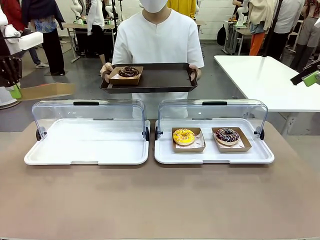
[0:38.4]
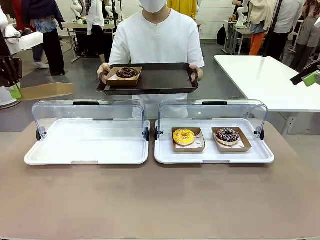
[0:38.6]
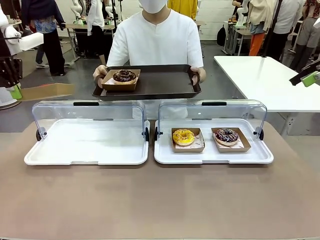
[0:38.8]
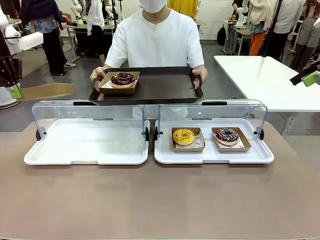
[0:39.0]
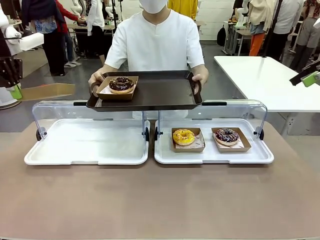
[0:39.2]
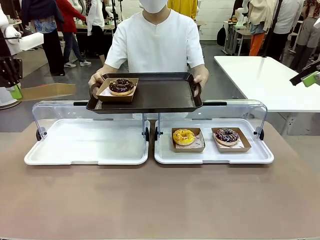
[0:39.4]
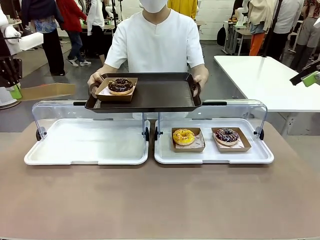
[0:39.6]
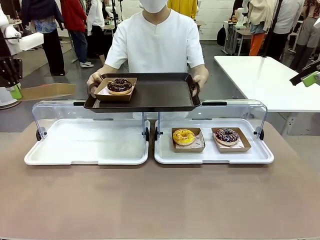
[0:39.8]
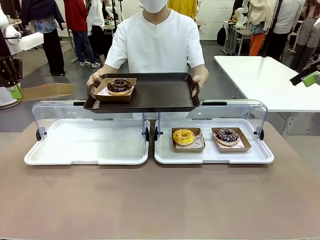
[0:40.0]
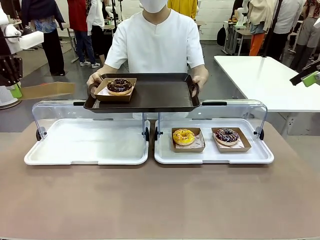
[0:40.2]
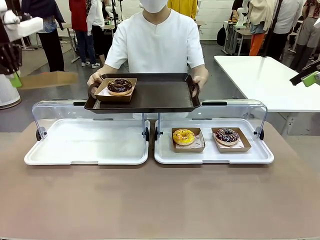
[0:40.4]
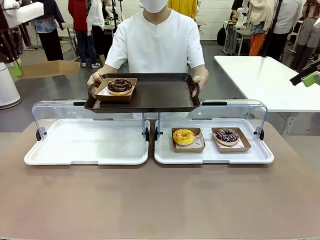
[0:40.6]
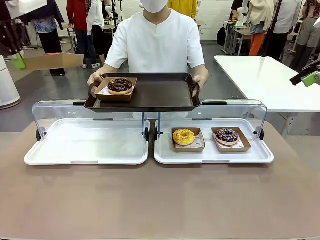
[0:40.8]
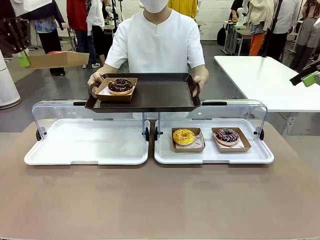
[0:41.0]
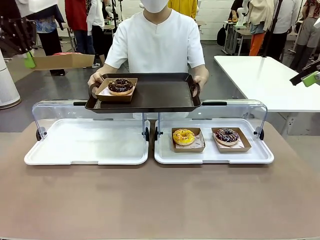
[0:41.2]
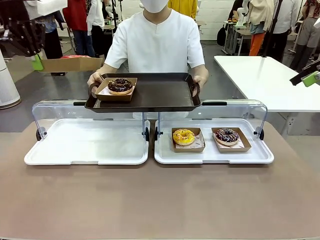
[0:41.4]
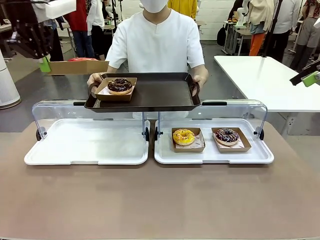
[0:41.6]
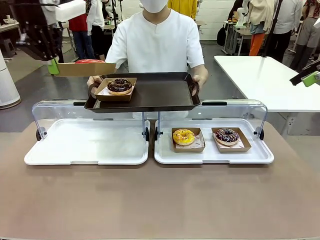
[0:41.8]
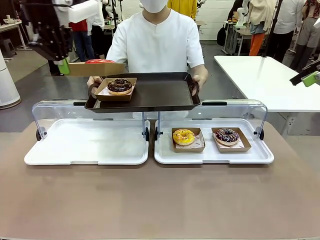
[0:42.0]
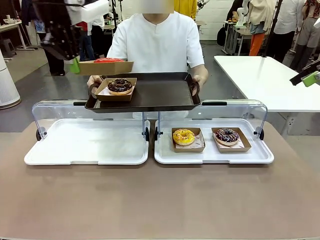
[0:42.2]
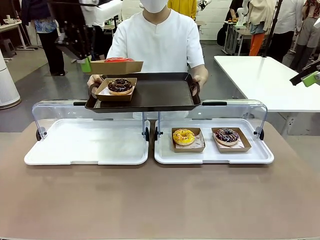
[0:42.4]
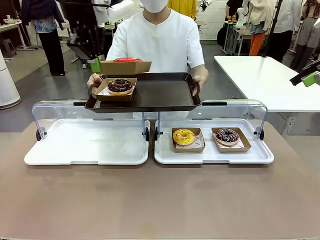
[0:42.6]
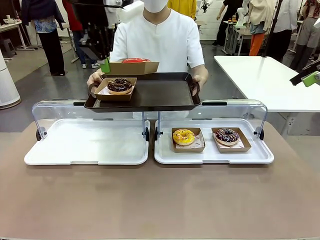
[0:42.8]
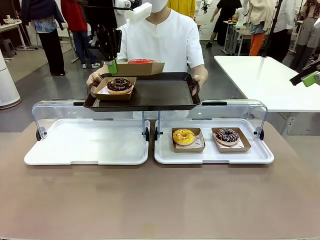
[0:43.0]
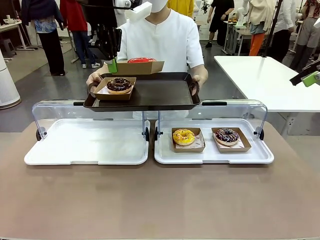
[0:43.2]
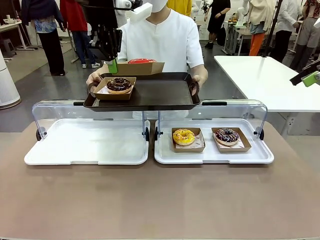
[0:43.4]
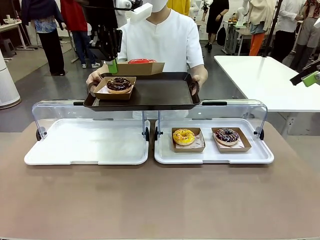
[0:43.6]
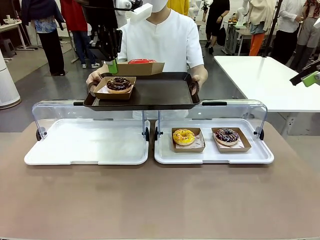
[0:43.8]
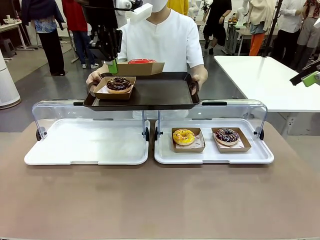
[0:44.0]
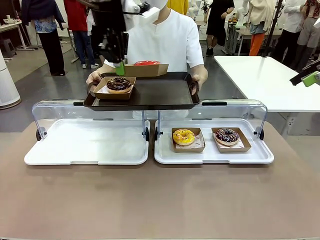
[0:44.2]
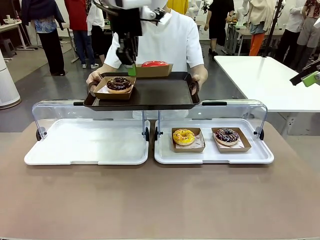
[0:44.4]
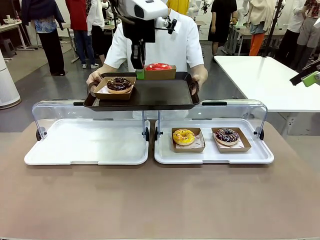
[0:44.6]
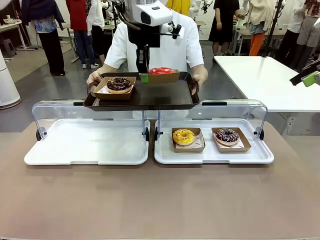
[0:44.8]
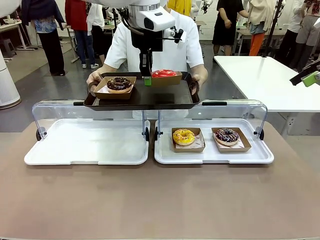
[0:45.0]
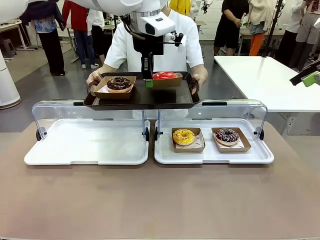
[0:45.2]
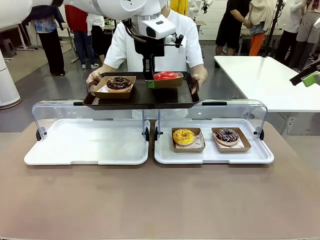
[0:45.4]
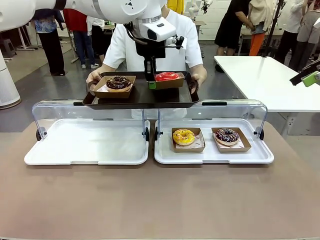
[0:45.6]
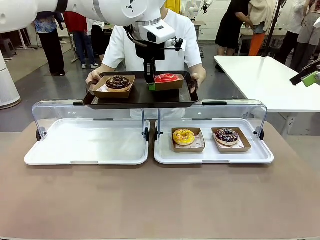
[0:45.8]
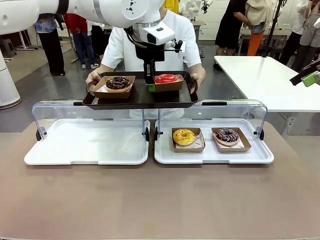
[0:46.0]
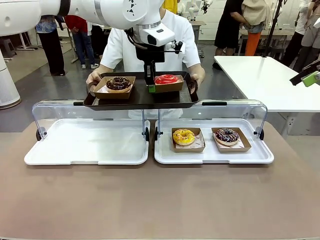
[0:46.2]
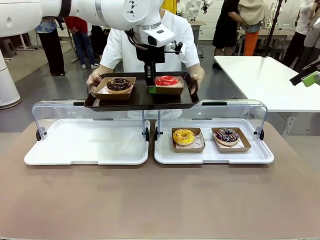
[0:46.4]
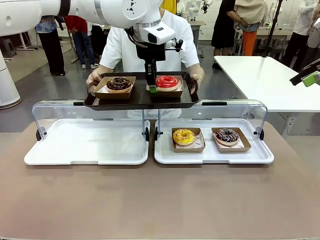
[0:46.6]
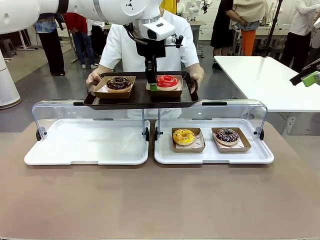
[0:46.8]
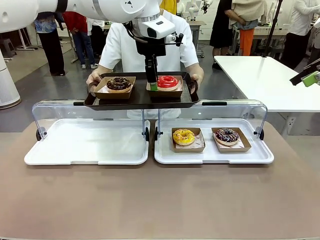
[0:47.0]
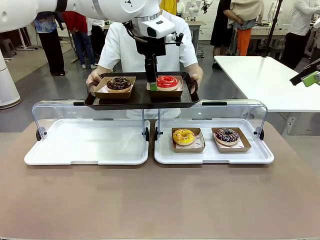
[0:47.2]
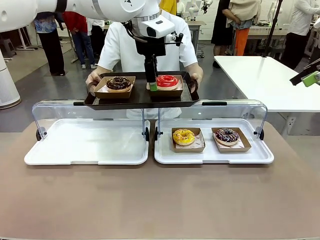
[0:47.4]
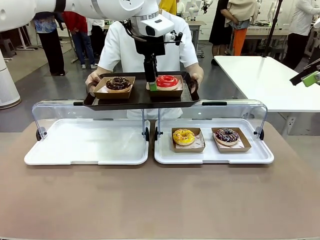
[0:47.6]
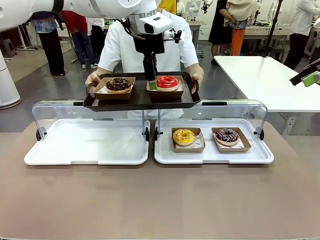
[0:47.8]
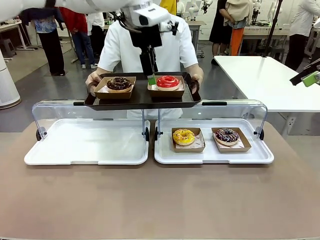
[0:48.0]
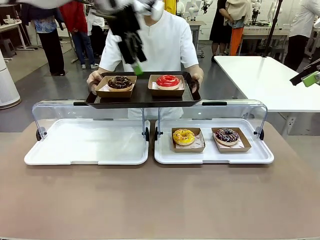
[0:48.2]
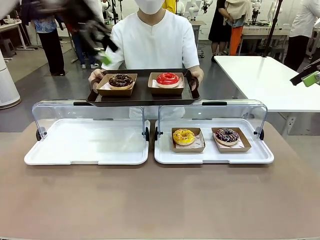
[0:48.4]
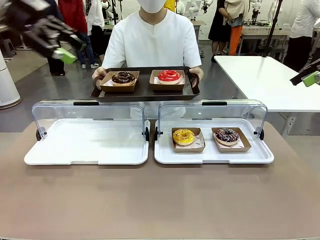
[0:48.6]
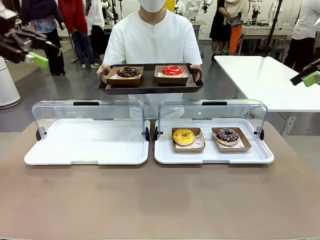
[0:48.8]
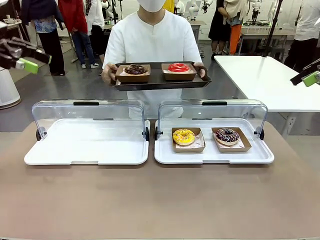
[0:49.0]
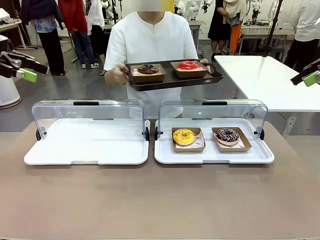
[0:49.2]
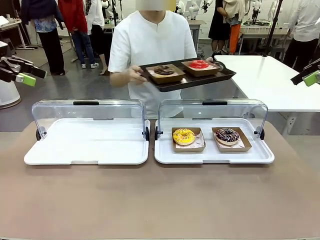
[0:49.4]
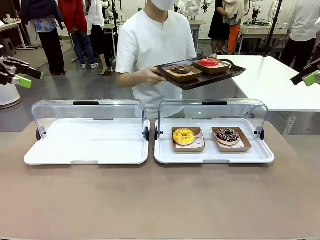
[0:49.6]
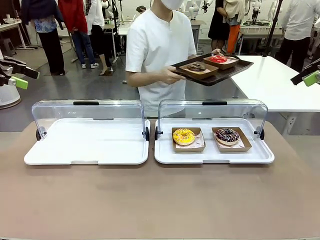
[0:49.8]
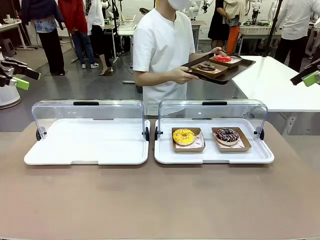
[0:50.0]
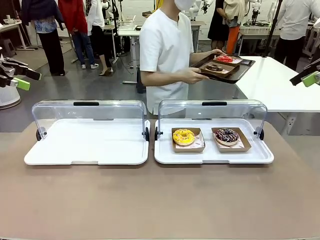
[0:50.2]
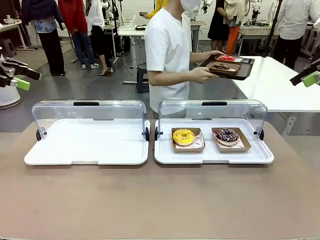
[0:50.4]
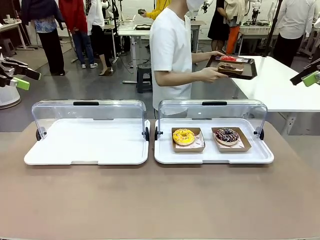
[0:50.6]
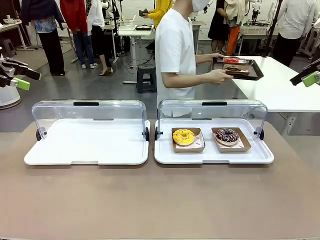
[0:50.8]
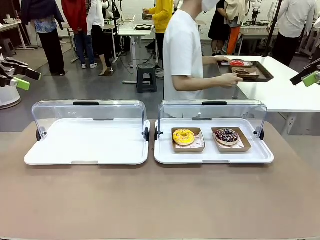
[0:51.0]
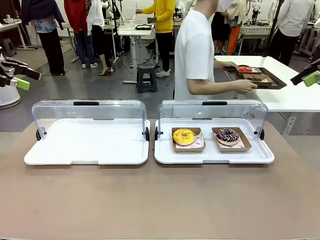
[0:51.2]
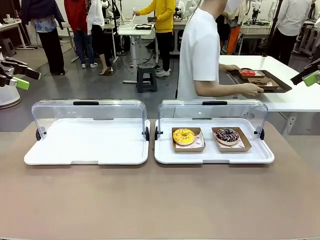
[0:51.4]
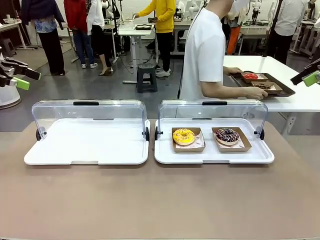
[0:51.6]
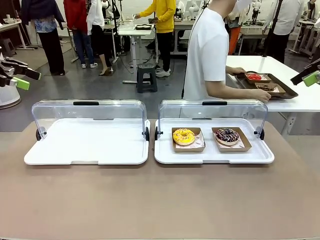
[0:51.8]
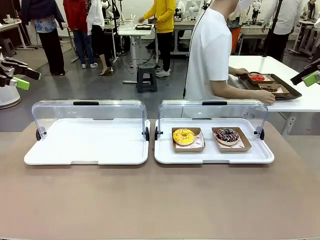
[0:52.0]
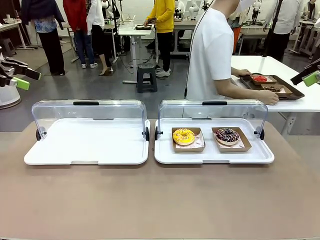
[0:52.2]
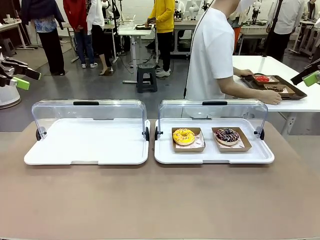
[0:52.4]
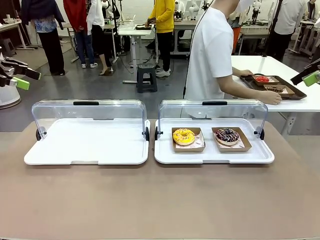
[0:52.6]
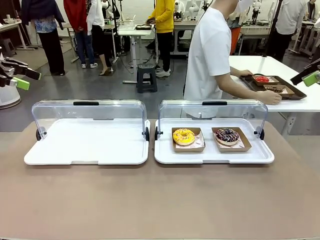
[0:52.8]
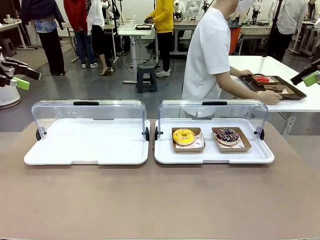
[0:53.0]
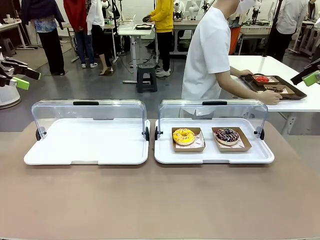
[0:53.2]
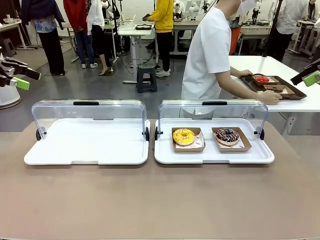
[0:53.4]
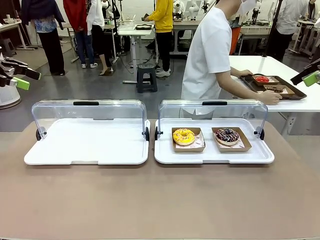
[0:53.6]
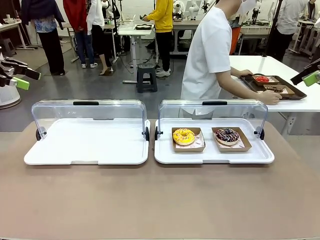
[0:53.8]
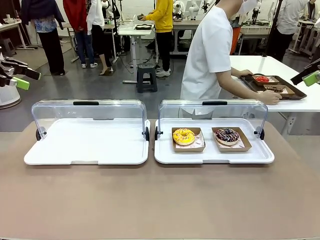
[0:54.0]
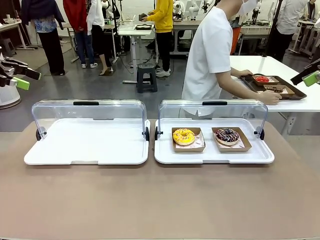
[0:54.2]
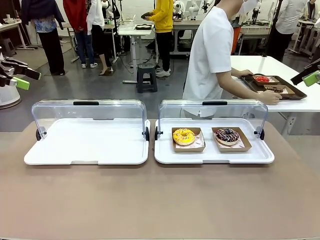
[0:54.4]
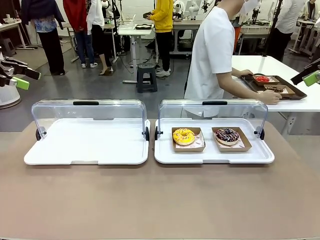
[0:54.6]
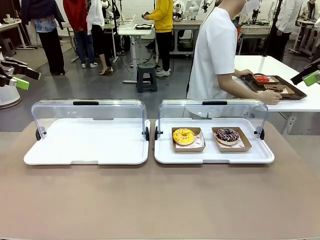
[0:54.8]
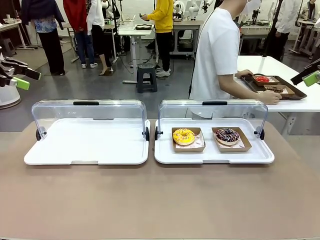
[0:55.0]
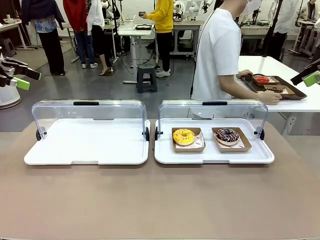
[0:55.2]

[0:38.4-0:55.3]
Task: Provide the desired donut to the person.
Robot: Place the picked Paper togo box onto the Handle tray extended by the person.
Person: Lift the tray onto the Roll-Top Bakery Case. Place the tray in the middle of the human table.
